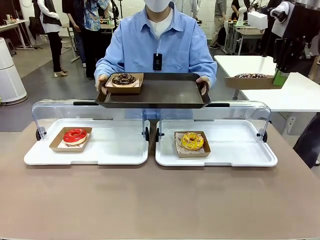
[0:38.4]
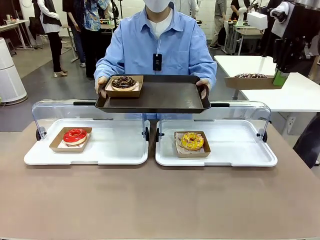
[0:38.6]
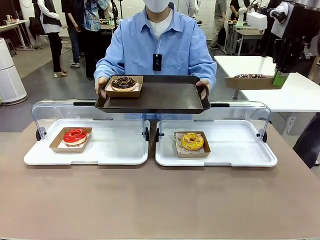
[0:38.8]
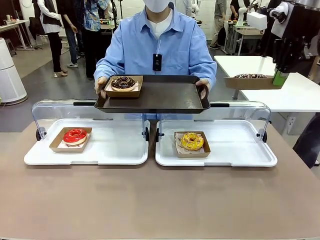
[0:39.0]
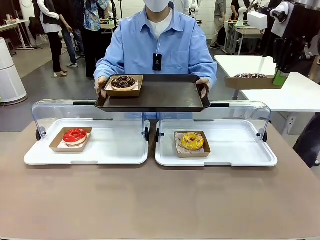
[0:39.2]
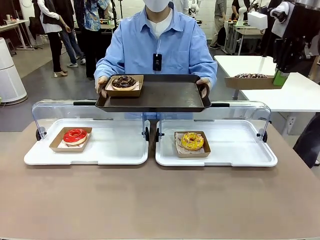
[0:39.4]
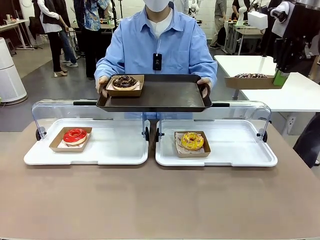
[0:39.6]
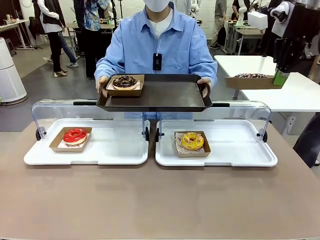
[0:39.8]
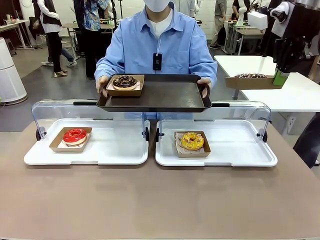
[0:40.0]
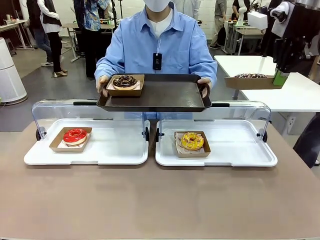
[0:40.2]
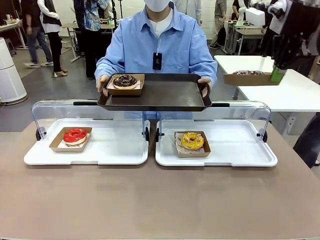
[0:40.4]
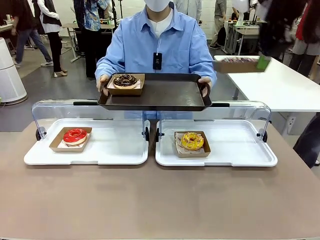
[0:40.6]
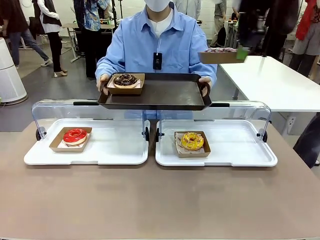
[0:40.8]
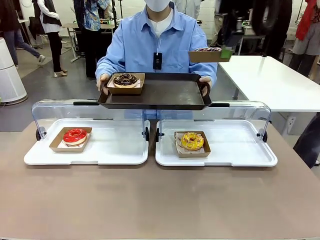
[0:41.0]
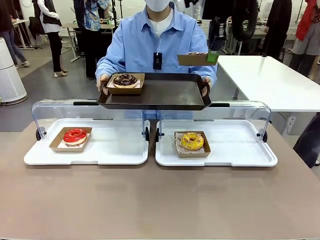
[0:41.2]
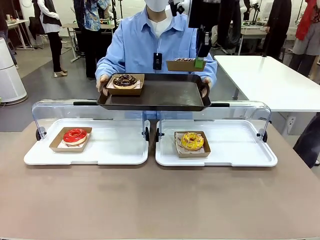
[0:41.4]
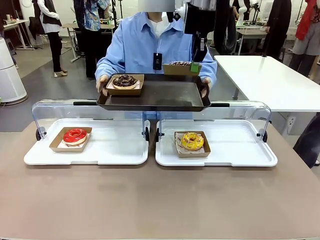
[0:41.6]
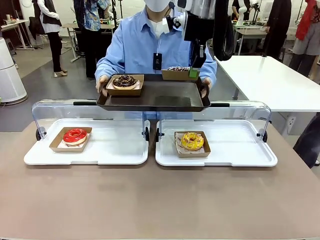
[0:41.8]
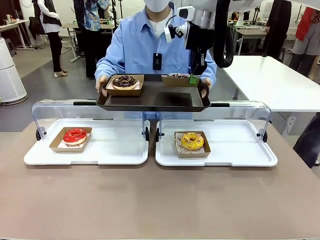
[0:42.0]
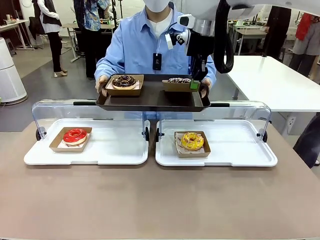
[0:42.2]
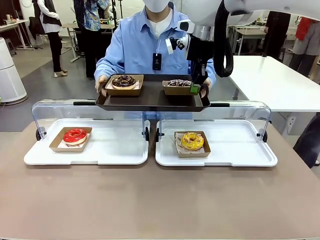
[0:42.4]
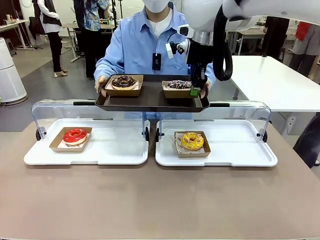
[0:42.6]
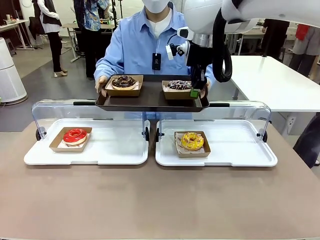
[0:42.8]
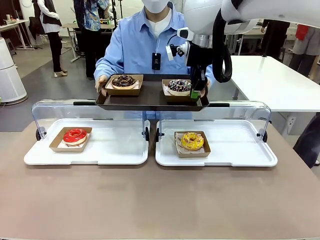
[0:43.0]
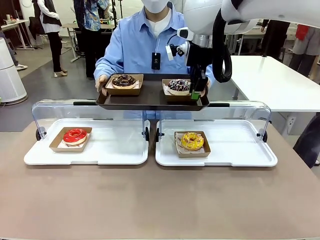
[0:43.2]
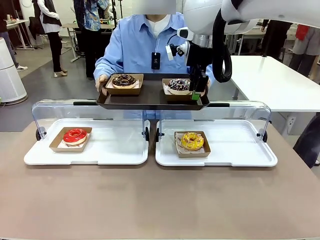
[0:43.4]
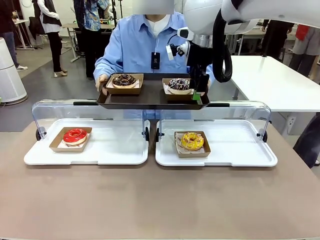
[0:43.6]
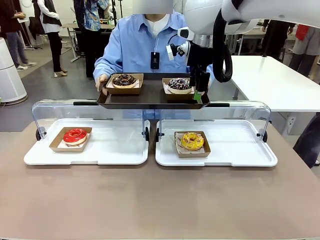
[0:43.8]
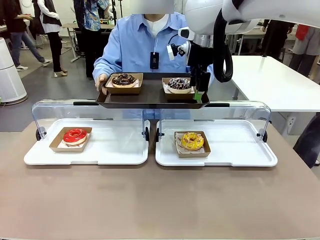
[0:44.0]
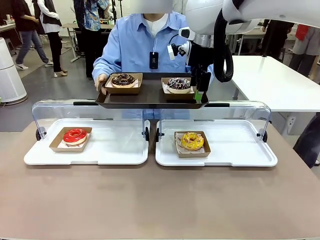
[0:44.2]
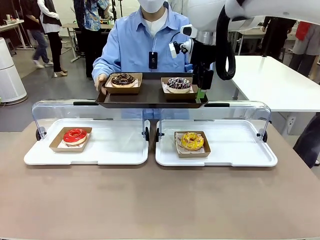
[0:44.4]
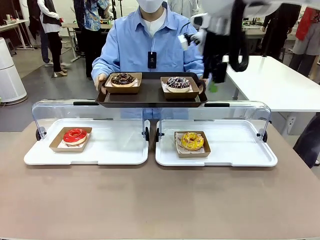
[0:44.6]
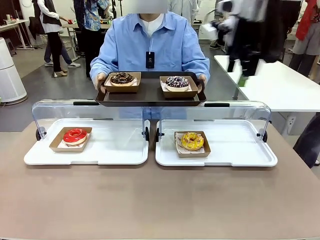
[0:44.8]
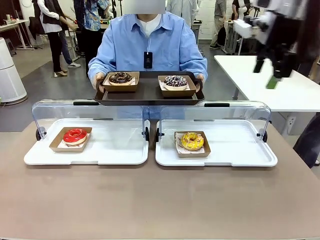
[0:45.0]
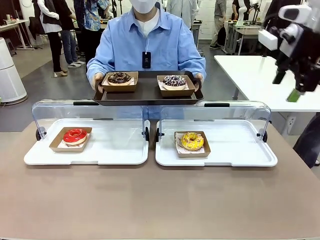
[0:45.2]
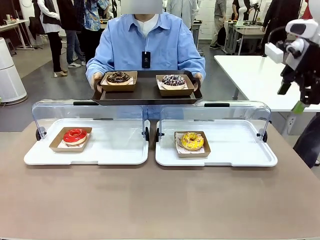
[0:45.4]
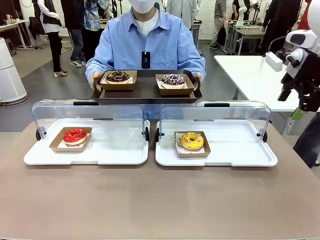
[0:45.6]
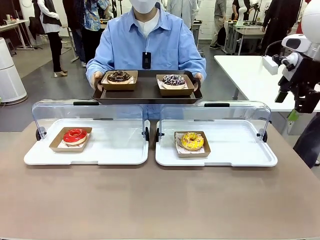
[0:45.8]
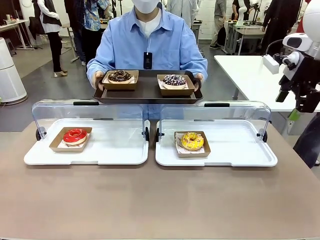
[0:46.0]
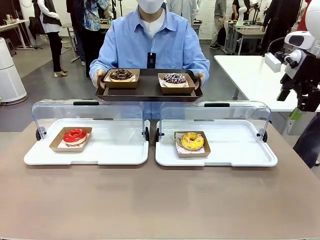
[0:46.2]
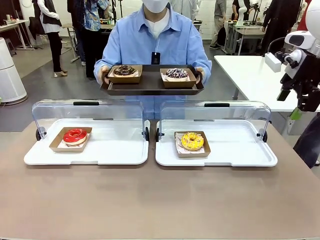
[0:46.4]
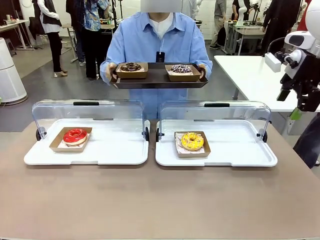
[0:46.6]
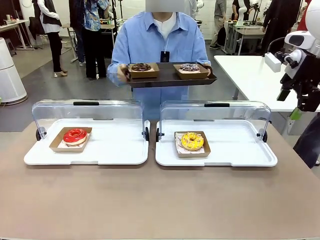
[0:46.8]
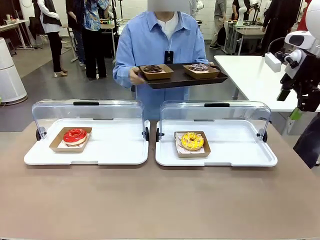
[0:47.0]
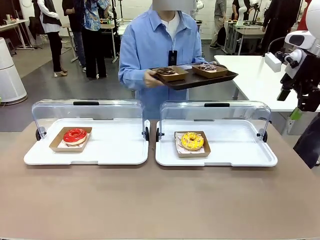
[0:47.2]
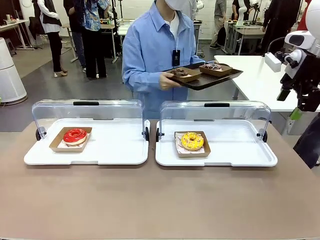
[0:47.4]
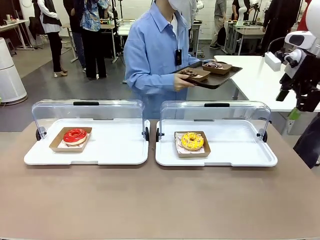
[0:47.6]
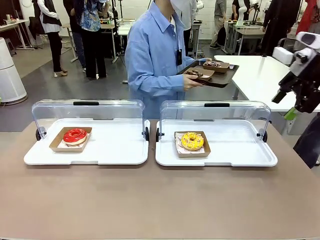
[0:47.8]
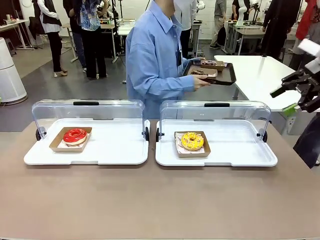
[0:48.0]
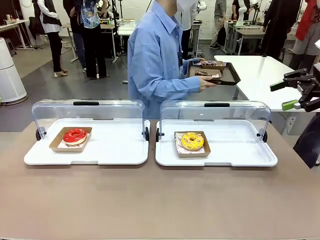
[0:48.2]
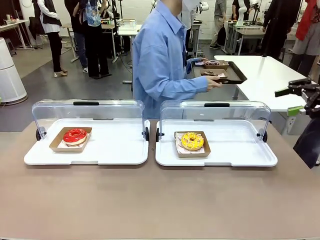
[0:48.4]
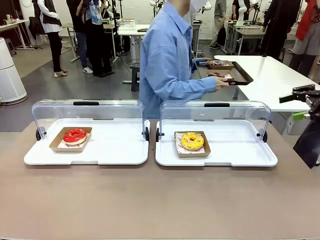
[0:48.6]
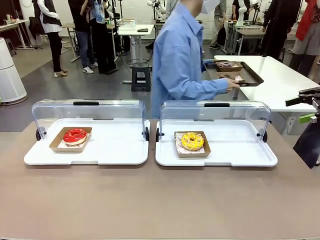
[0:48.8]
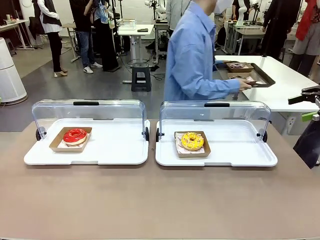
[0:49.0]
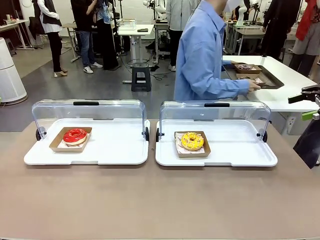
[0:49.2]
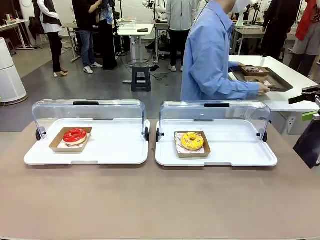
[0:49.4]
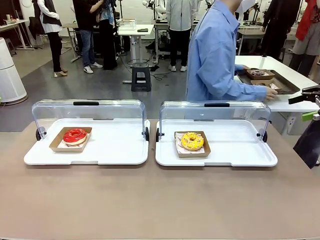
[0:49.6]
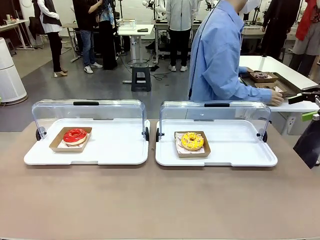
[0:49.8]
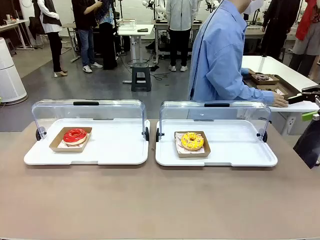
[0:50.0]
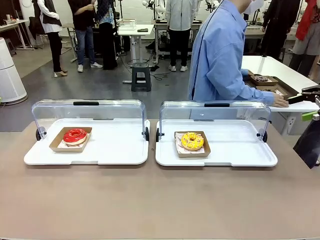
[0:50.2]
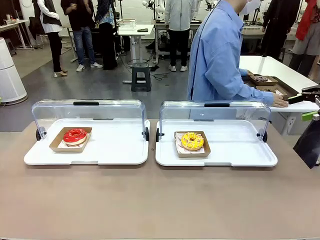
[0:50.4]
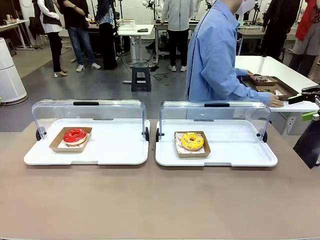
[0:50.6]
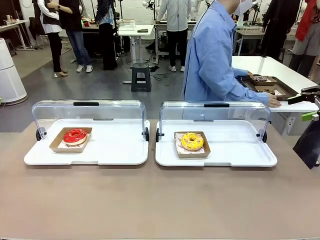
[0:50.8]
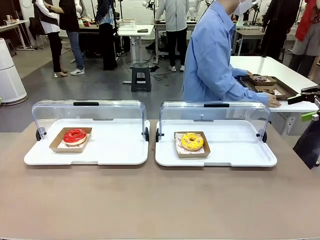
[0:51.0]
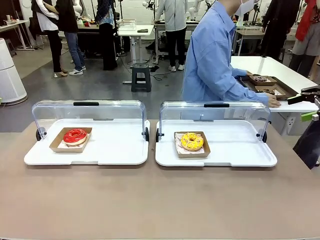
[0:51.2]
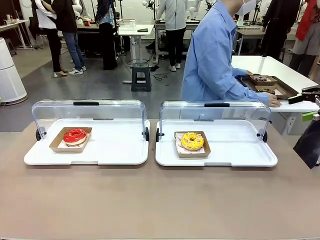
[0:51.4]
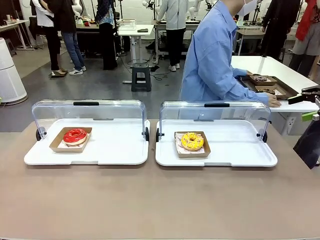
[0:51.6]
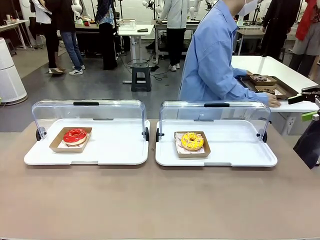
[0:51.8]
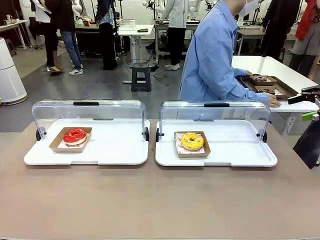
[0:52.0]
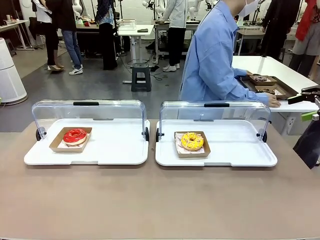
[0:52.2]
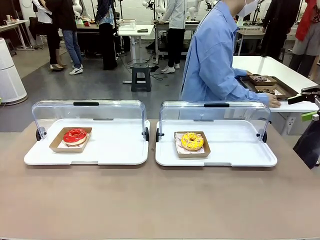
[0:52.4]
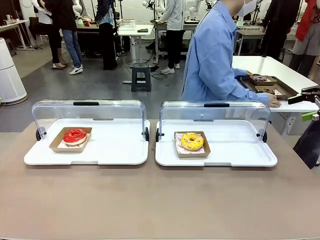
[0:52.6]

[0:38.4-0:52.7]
Task: Provide the desired donut to the person.
Robot: Place the picked Paper togo box onto the Handle tray extended by the person.
Person: Place the tray in the middle of the human table.

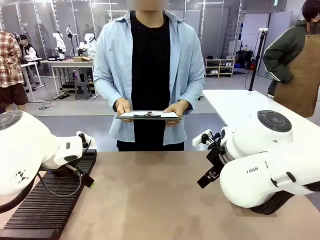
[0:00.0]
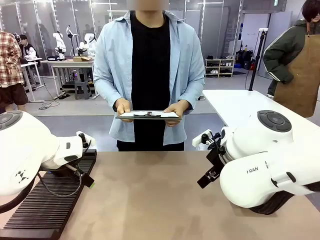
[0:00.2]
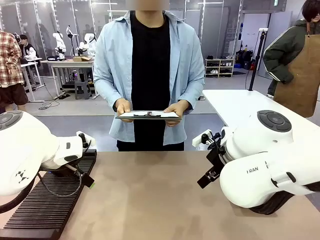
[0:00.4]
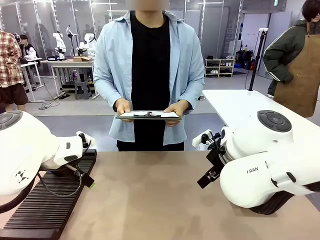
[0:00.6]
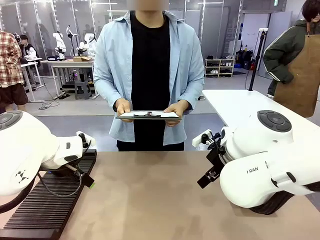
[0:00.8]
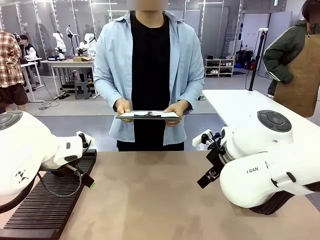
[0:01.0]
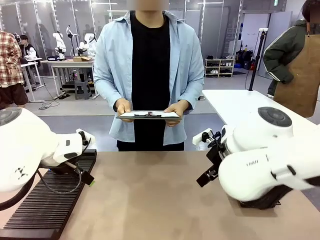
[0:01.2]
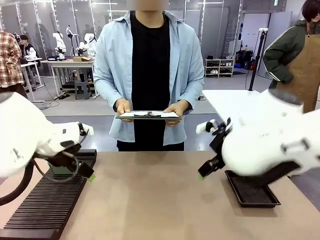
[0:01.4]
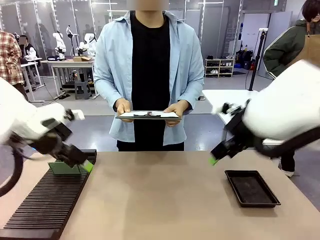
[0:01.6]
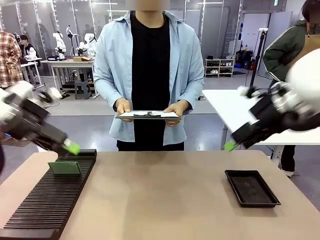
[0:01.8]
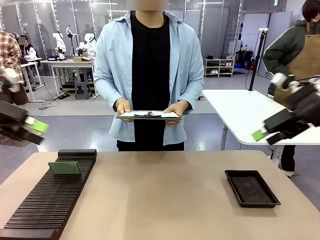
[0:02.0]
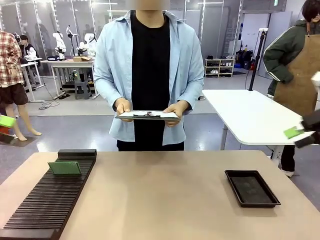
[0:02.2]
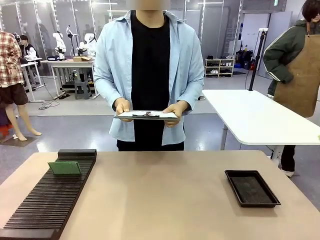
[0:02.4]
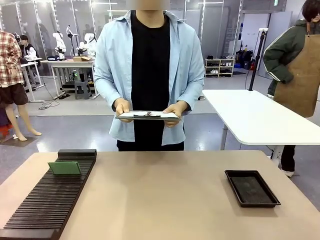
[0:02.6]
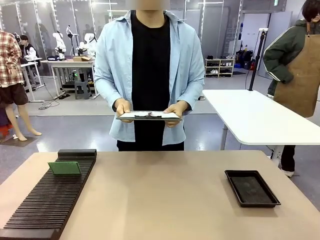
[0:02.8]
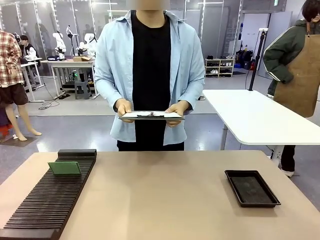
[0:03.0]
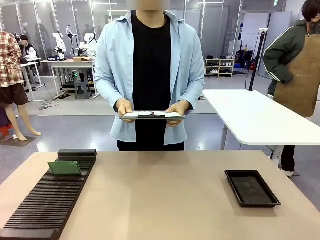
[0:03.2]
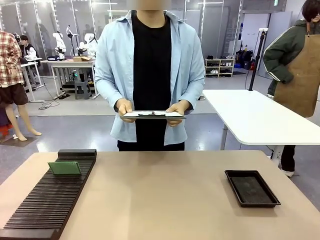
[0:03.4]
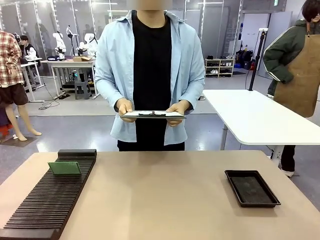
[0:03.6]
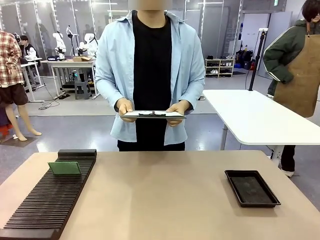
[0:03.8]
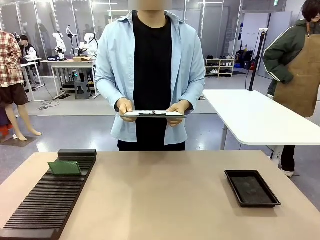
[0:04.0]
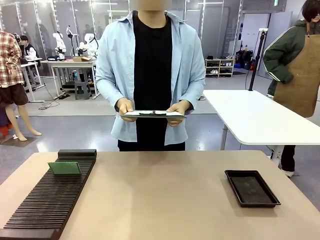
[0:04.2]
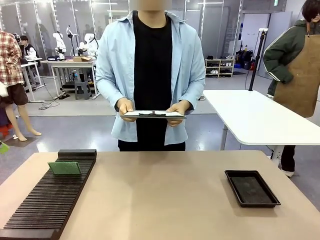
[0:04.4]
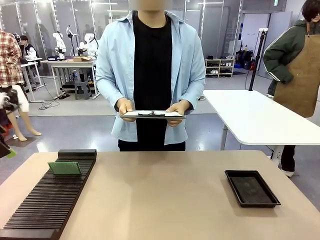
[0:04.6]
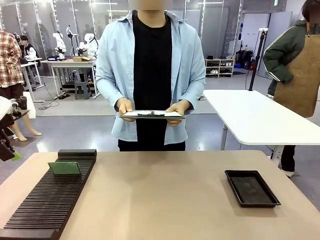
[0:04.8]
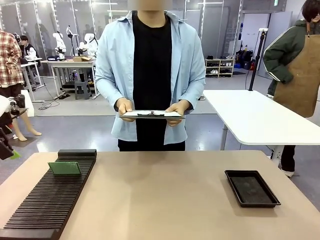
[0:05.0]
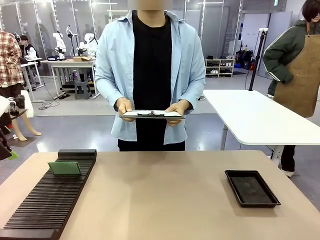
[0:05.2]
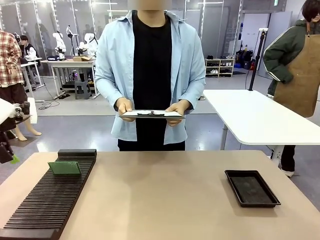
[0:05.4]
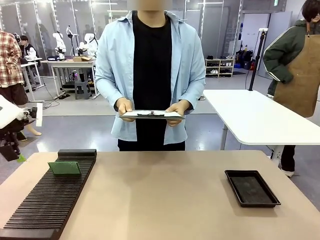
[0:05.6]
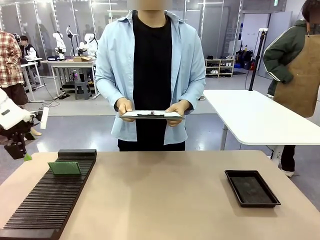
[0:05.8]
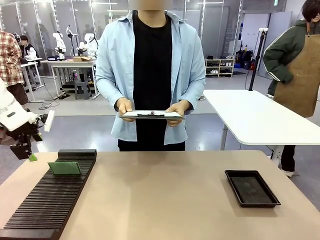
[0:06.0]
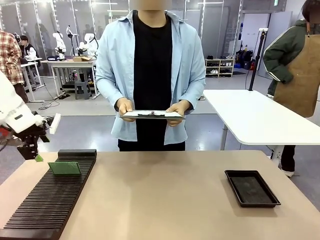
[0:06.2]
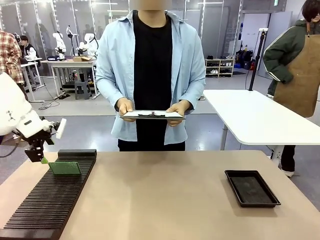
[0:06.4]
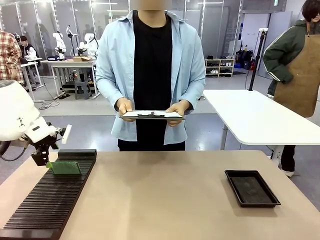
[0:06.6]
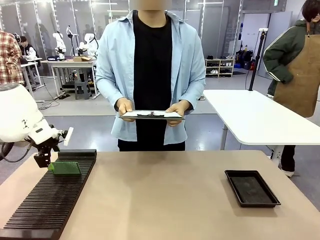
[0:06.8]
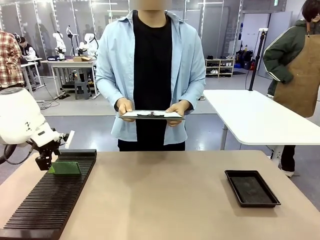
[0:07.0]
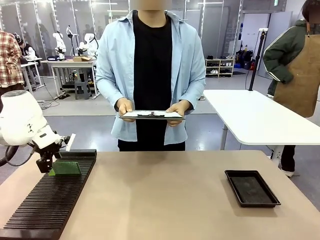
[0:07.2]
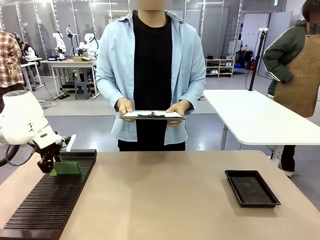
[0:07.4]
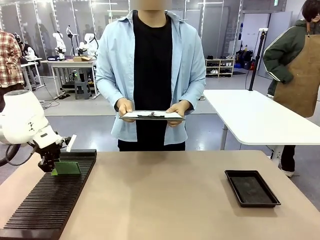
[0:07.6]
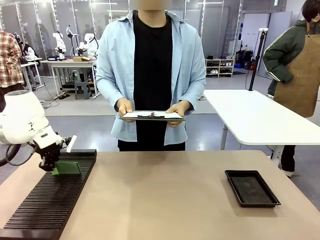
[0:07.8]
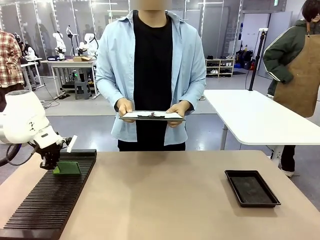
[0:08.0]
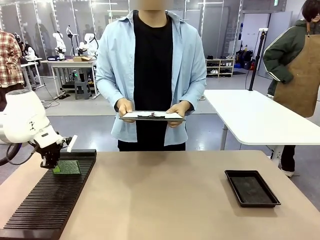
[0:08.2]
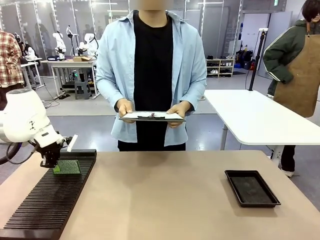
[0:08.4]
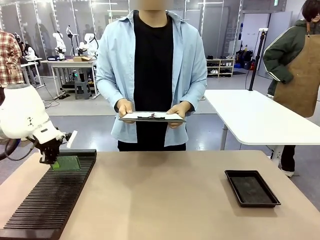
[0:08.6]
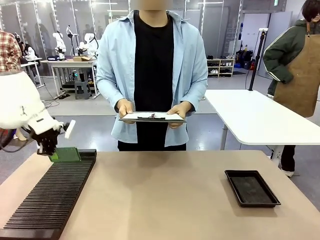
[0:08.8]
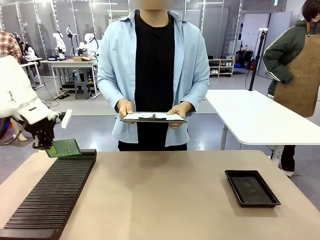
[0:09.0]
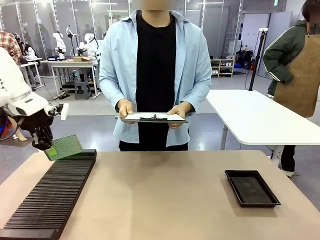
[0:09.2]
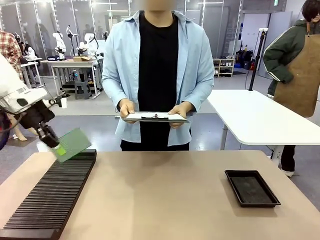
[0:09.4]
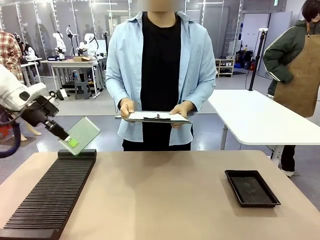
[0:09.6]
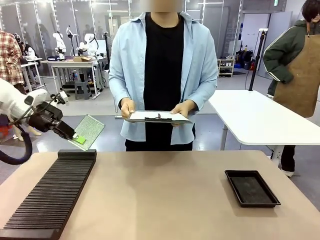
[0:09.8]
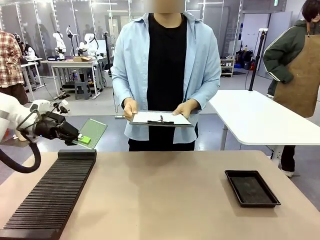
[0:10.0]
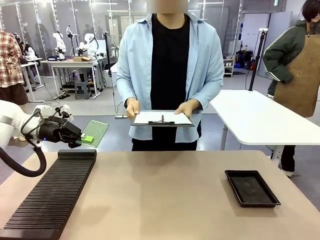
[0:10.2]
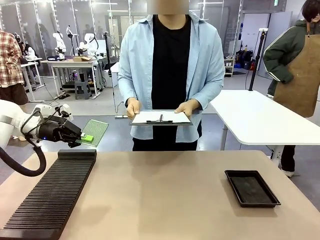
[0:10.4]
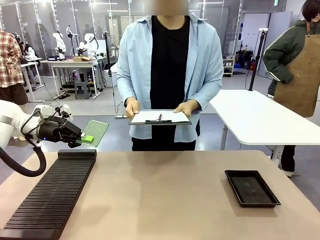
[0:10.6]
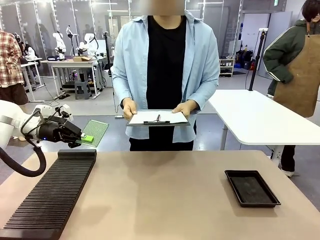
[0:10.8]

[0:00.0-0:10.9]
Task: Inspect the PCB.
Robot: Pick up the Blank PCB and present it to the human.
Person: Pick up the PCB presented by the robot.
